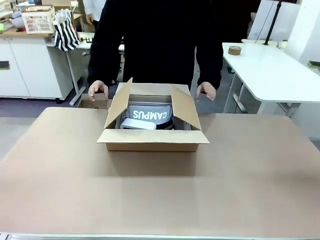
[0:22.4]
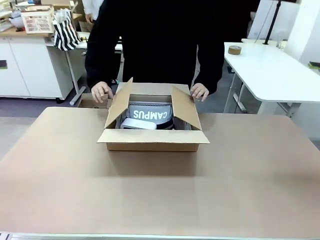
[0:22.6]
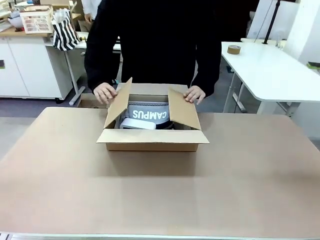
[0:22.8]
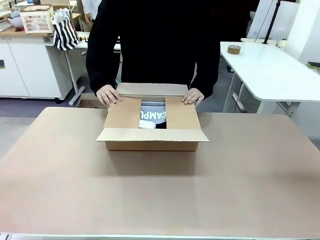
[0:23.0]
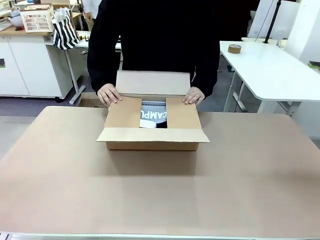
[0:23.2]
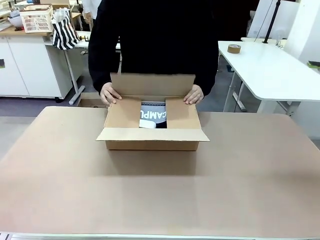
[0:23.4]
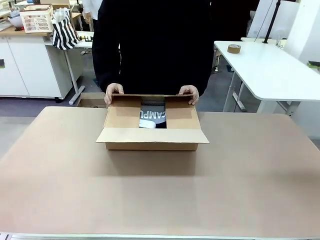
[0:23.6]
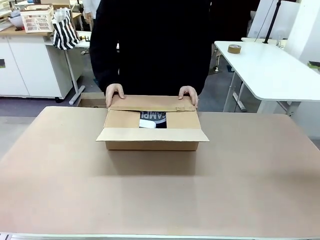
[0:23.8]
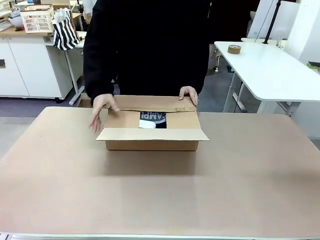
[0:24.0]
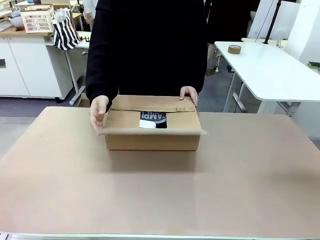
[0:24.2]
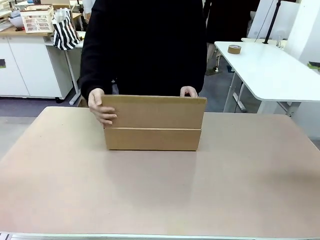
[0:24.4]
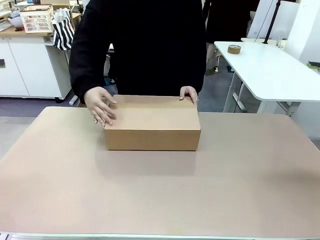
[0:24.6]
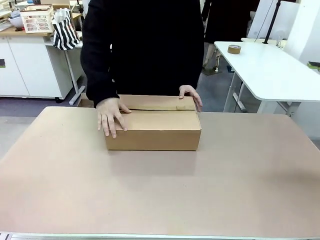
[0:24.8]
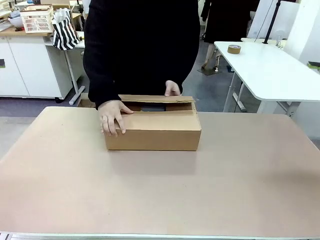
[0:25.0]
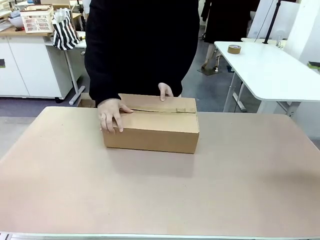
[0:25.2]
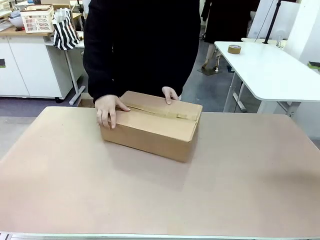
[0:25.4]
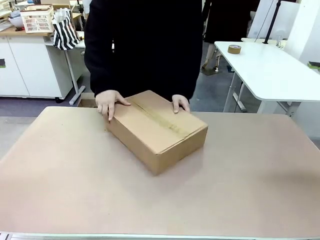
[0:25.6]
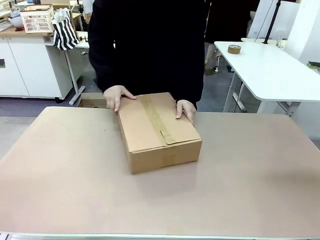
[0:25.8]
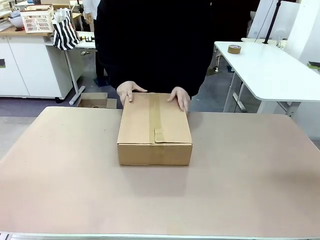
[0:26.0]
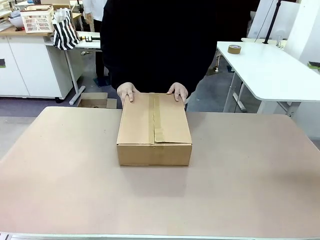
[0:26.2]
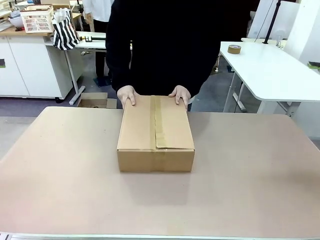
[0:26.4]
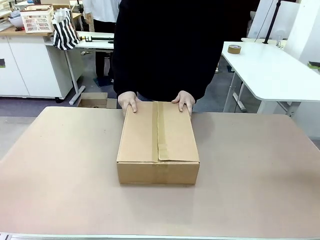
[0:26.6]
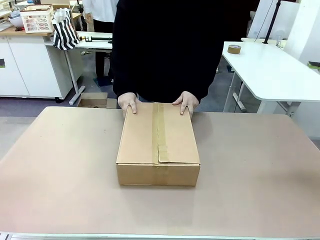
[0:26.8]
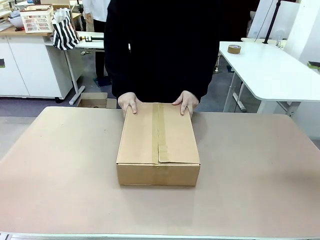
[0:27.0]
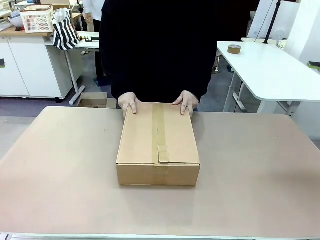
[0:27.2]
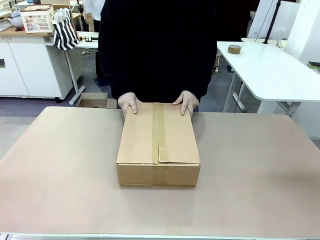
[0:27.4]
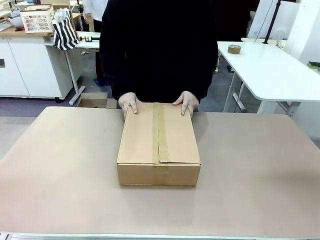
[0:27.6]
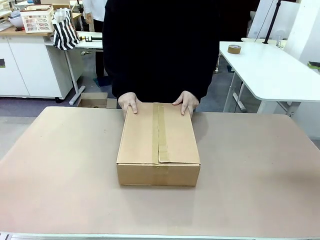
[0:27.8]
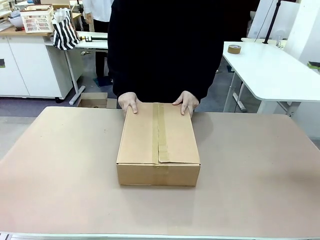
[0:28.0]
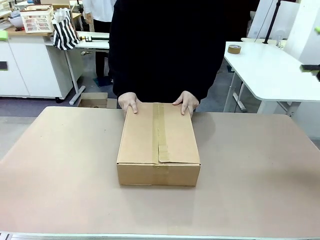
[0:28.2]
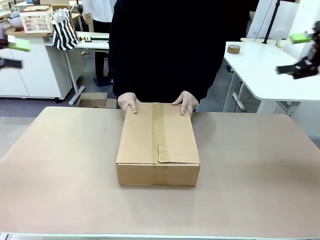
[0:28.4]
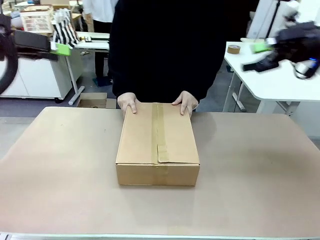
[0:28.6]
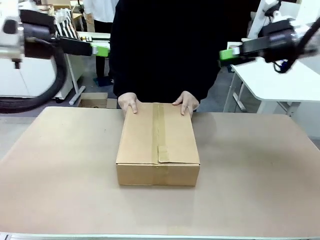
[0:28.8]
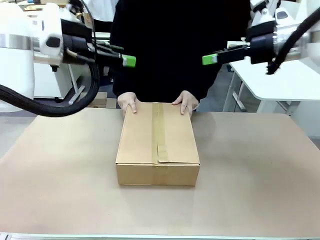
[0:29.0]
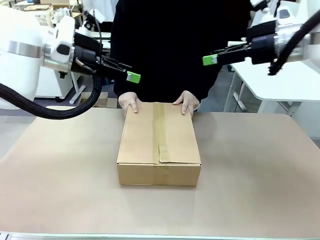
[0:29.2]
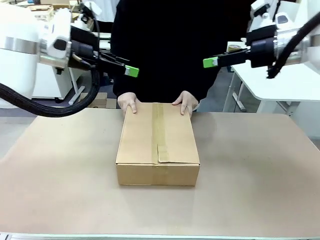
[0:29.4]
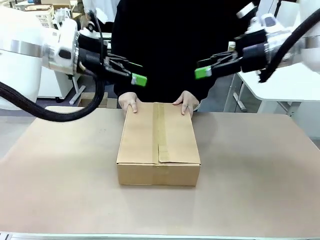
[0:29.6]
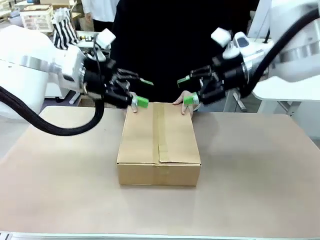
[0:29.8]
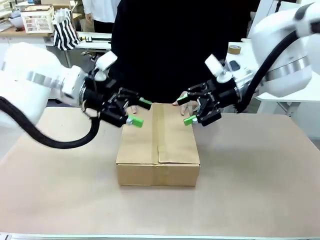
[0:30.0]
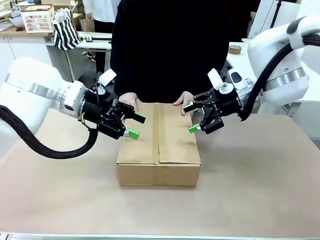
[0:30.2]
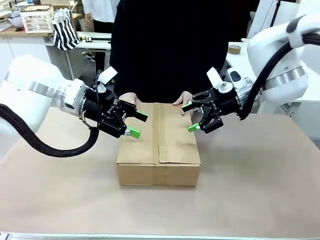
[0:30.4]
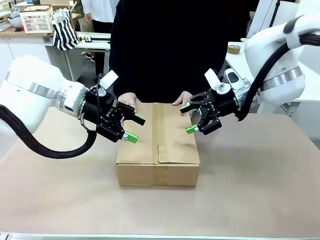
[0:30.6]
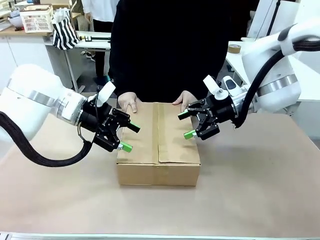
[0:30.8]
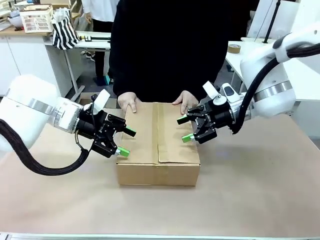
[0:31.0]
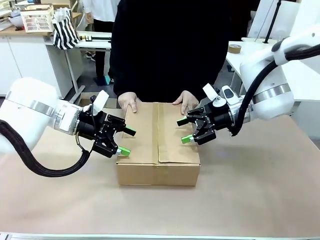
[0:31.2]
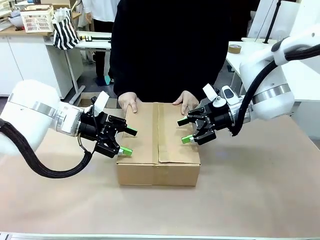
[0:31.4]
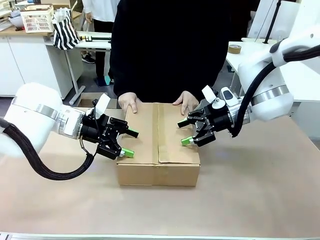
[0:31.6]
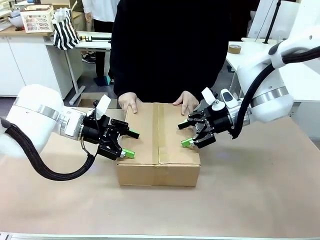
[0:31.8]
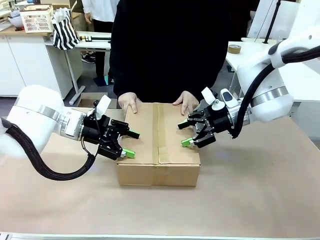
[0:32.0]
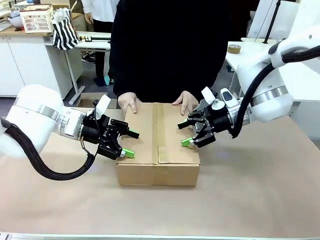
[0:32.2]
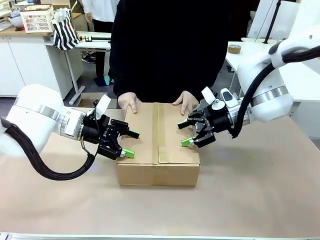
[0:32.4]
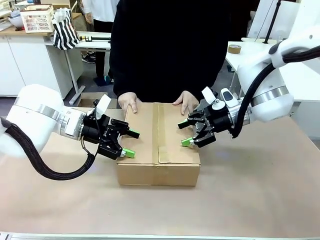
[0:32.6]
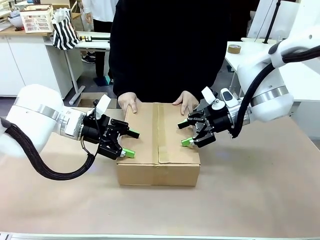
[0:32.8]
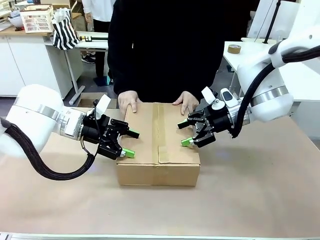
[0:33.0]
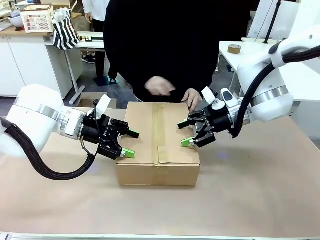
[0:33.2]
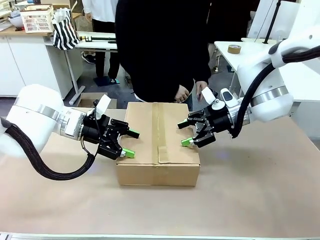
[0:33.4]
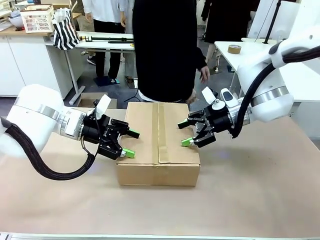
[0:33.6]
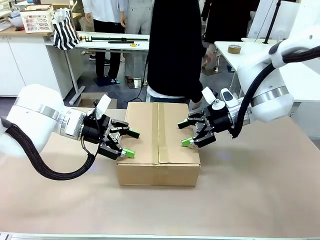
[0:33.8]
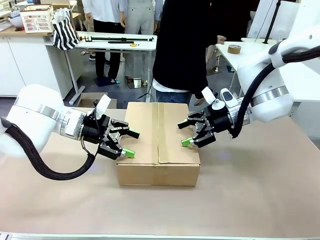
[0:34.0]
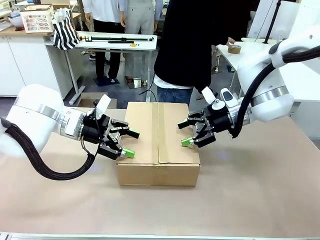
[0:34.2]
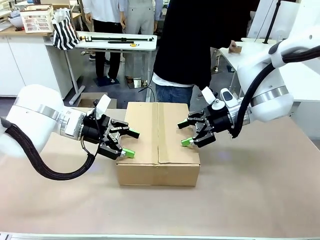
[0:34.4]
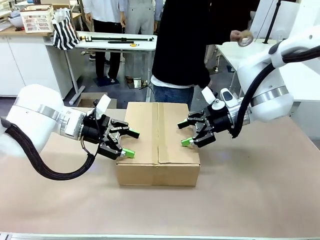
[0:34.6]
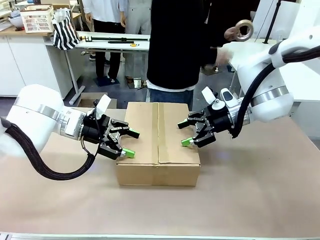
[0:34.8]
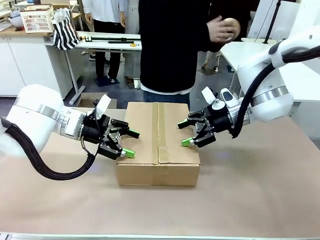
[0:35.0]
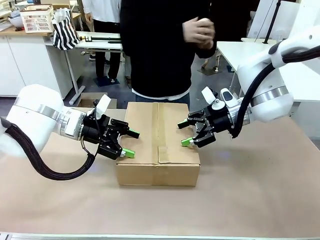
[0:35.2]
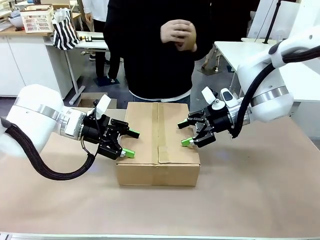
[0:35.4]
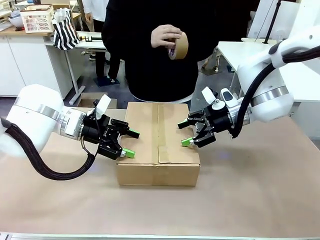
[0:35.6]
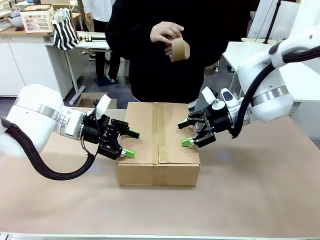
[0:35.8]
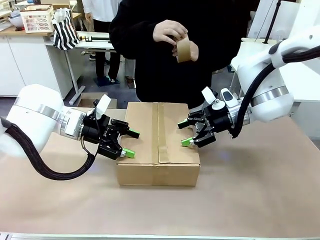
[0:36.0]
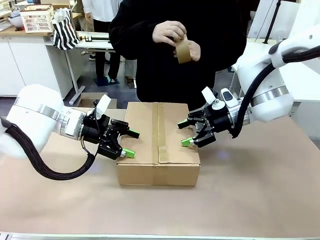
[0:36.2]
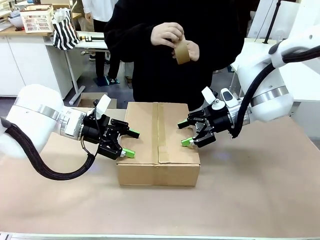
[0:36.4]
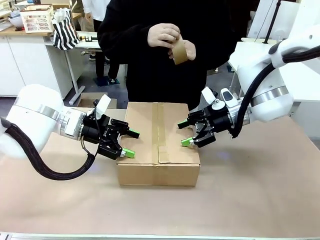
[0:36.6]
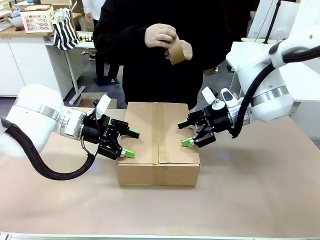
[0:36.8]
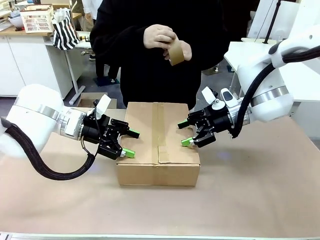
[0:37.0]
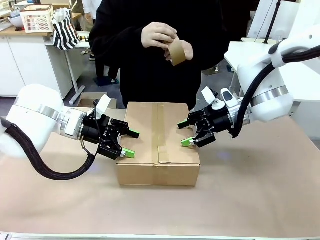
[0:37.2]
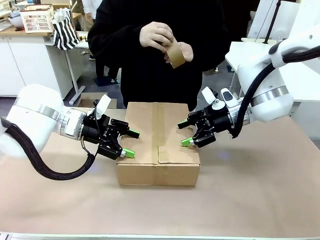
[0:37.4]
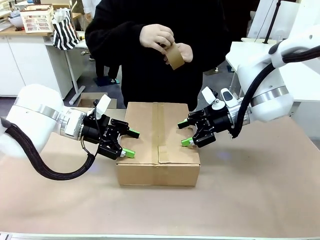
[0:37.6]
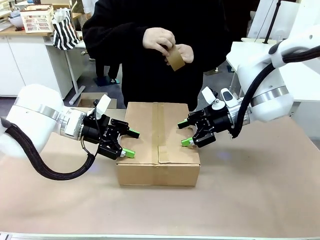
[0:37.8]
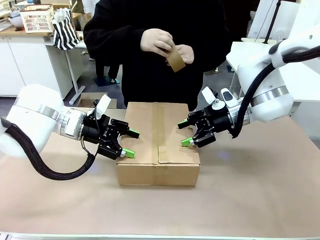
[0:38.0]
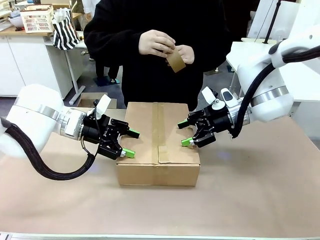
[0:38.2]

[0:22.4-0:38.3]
Task: Pack the gift set into the box.
Robot: Press and hold the closed box until the human finishes sealing it.
Person: The human closes the box and rotates the box by 90 degrees.
